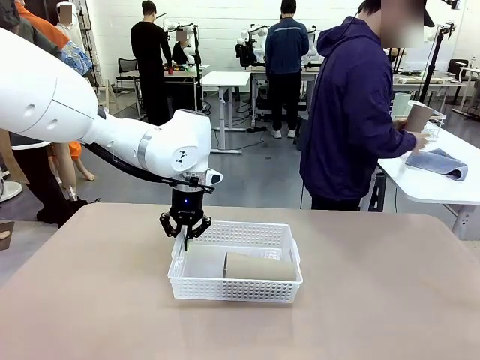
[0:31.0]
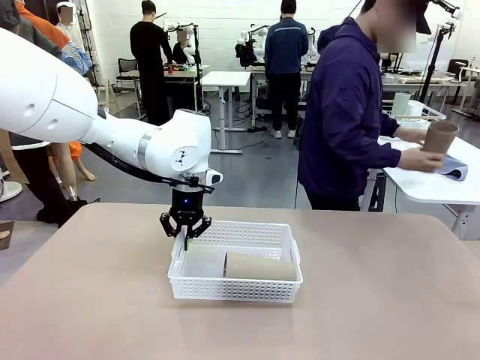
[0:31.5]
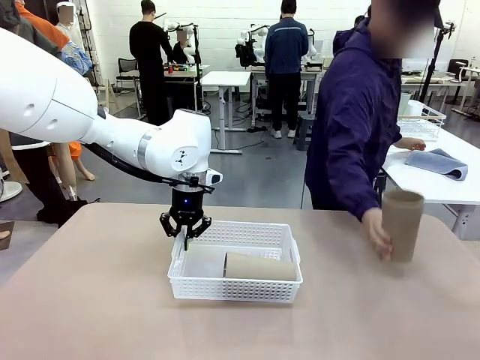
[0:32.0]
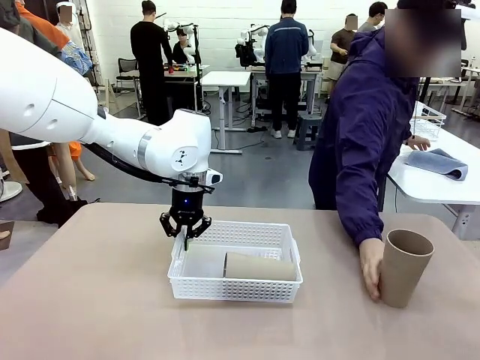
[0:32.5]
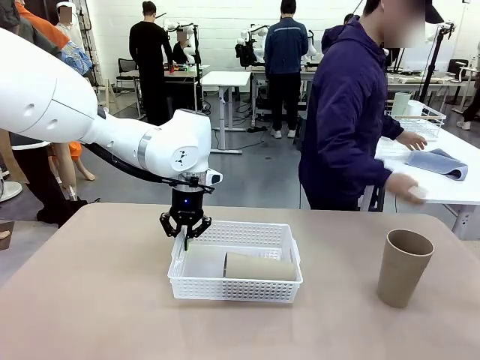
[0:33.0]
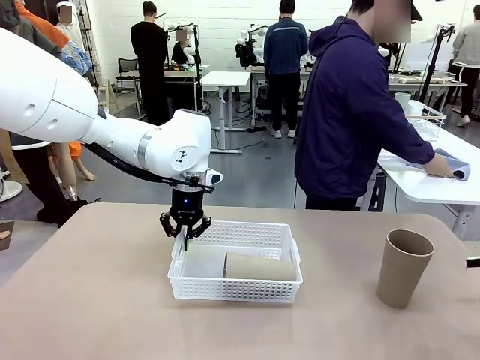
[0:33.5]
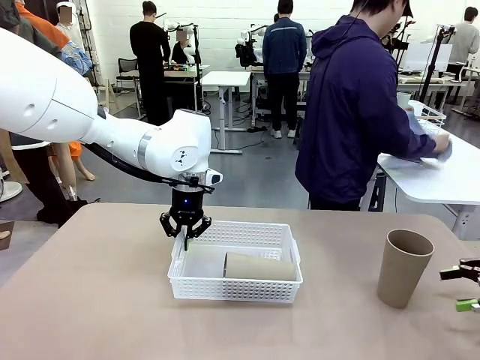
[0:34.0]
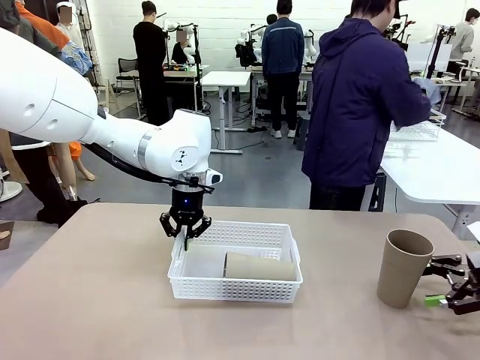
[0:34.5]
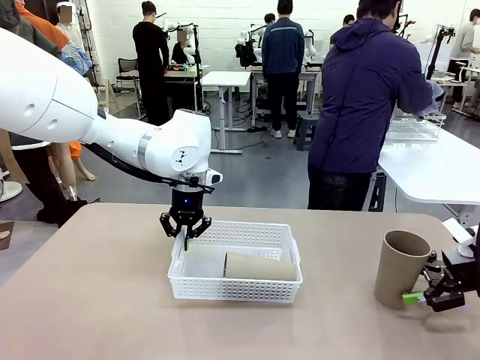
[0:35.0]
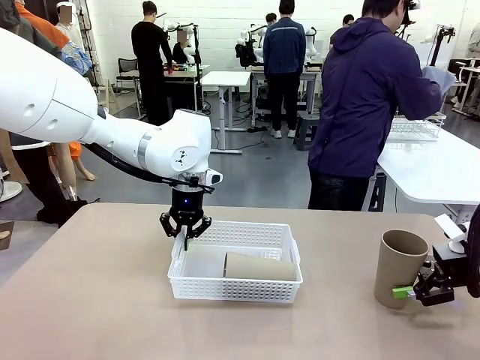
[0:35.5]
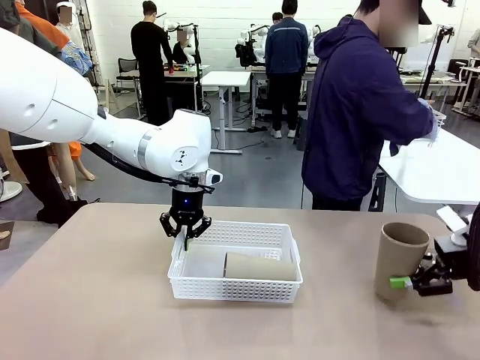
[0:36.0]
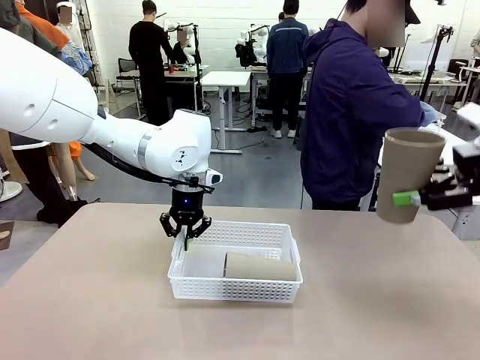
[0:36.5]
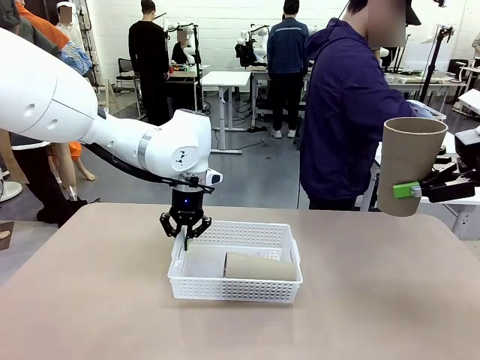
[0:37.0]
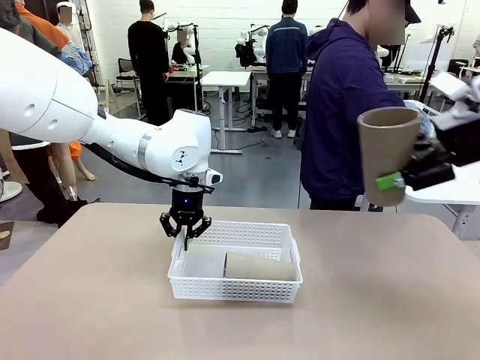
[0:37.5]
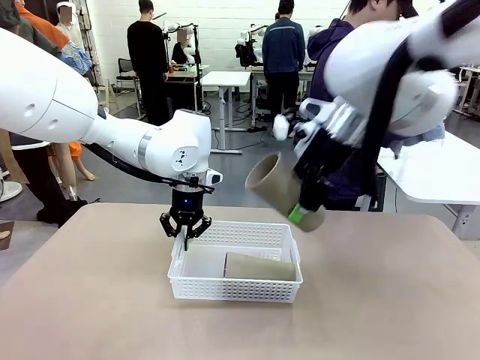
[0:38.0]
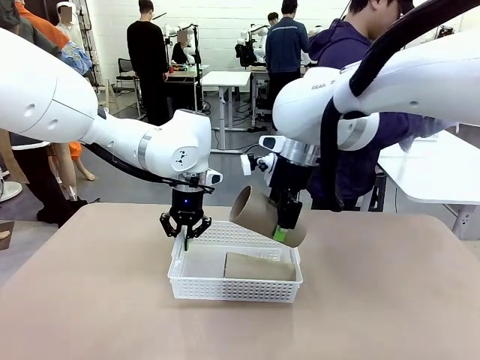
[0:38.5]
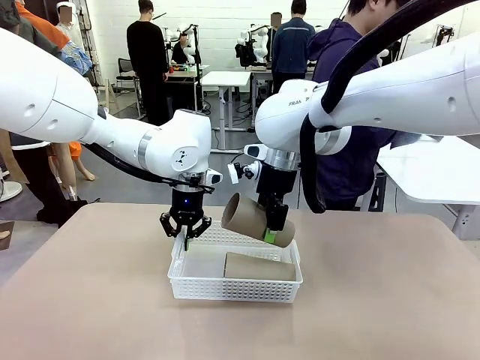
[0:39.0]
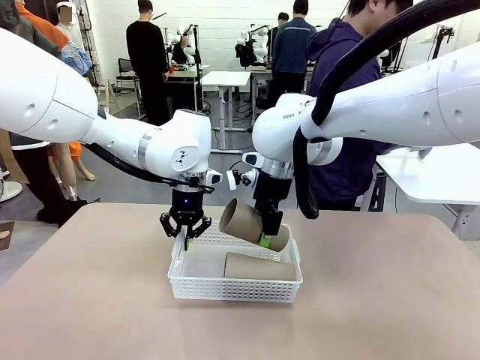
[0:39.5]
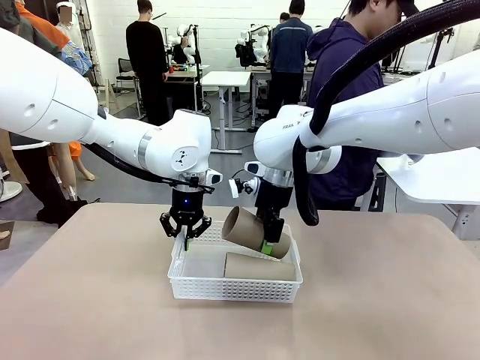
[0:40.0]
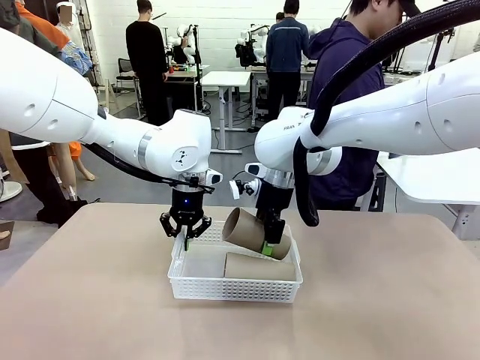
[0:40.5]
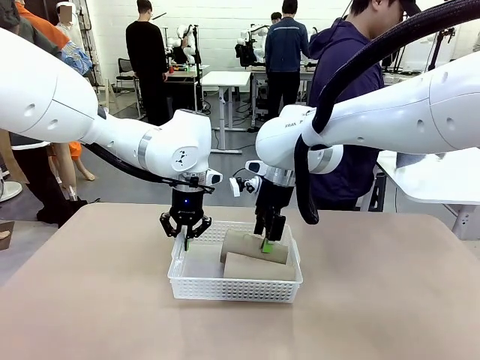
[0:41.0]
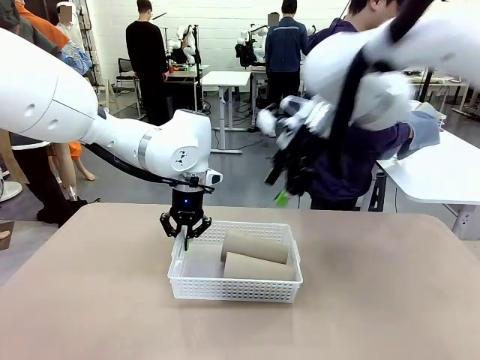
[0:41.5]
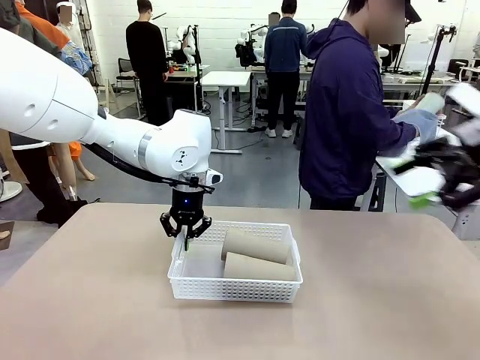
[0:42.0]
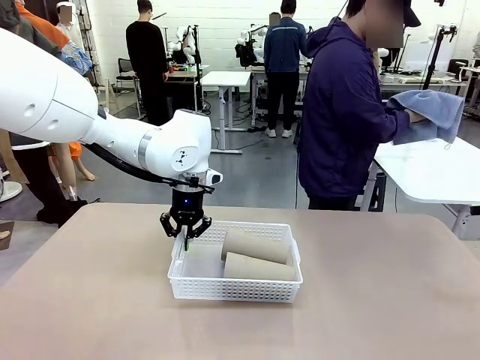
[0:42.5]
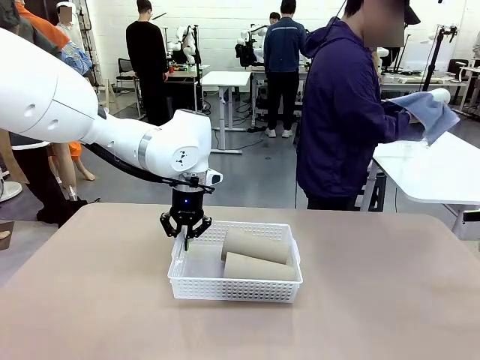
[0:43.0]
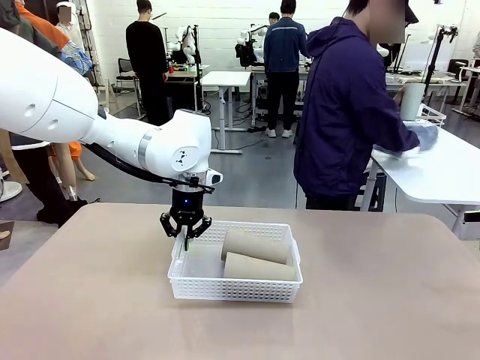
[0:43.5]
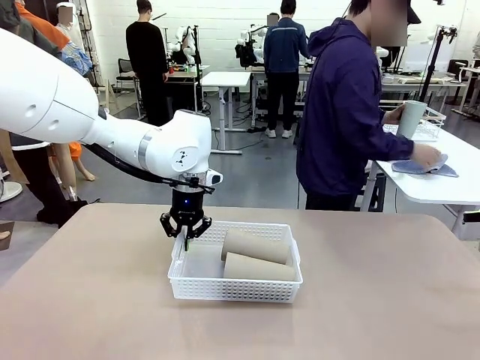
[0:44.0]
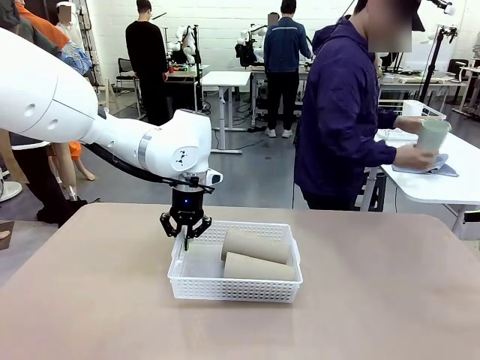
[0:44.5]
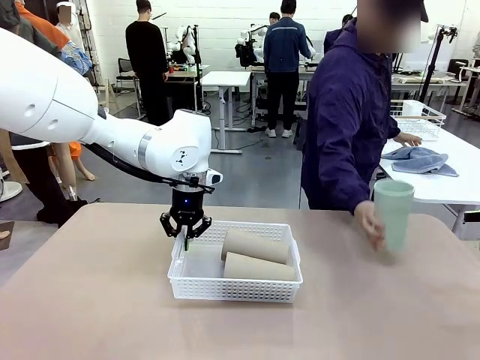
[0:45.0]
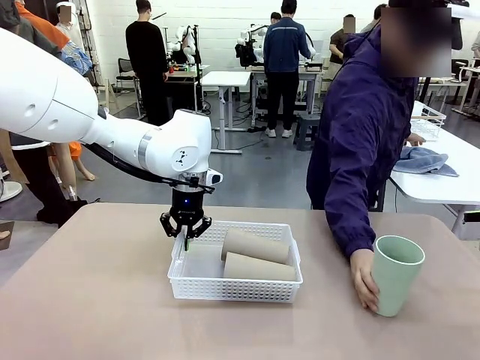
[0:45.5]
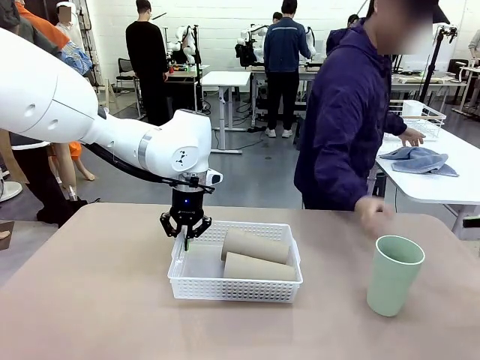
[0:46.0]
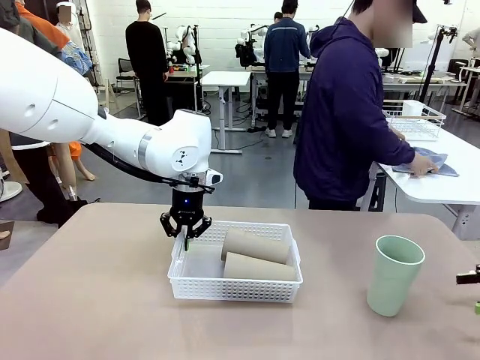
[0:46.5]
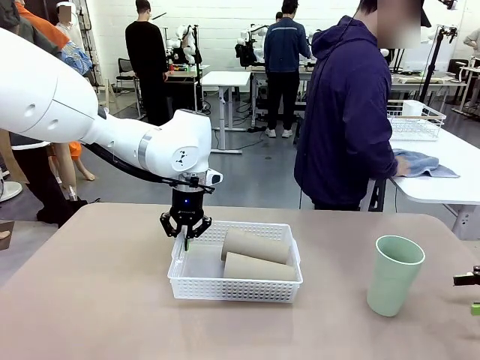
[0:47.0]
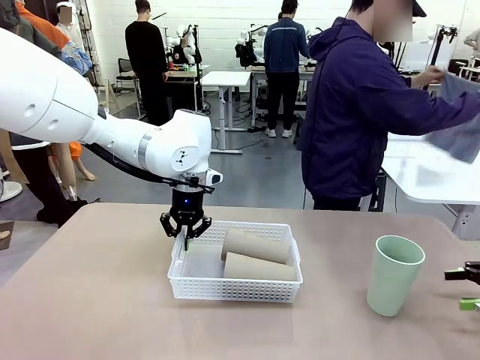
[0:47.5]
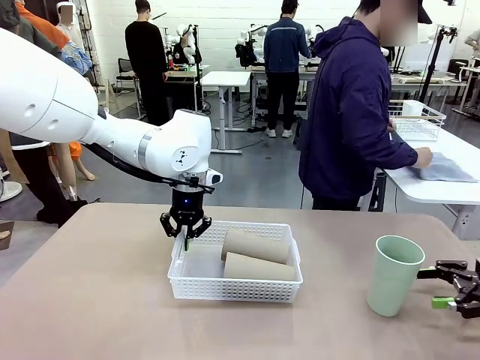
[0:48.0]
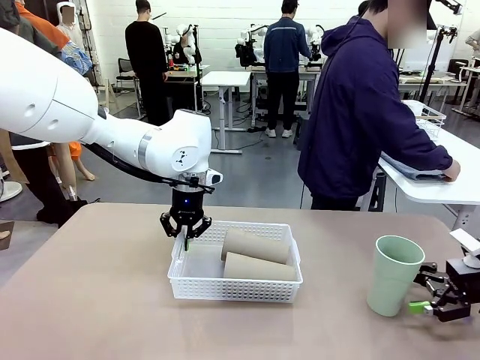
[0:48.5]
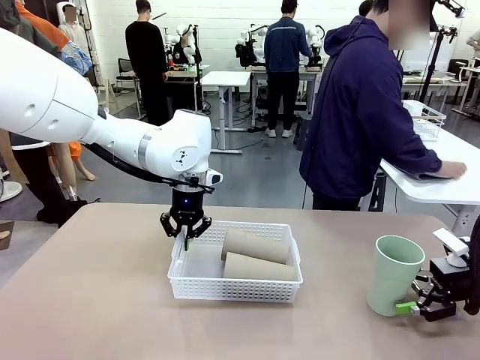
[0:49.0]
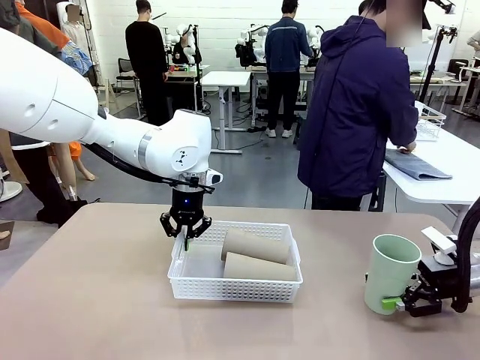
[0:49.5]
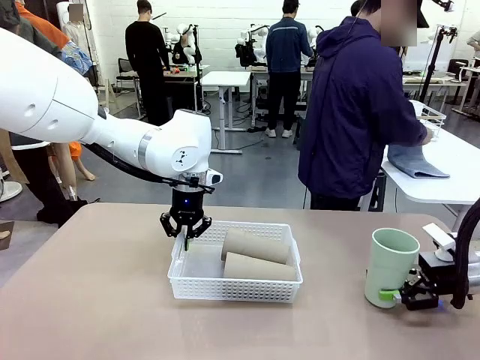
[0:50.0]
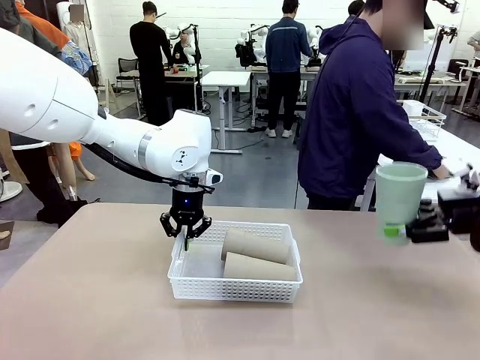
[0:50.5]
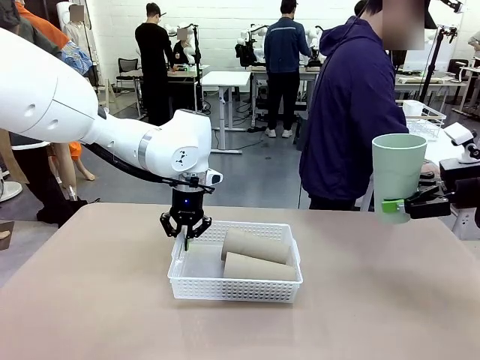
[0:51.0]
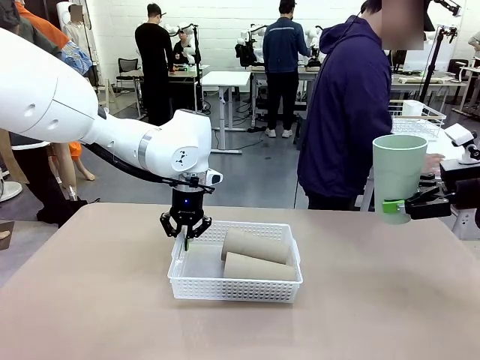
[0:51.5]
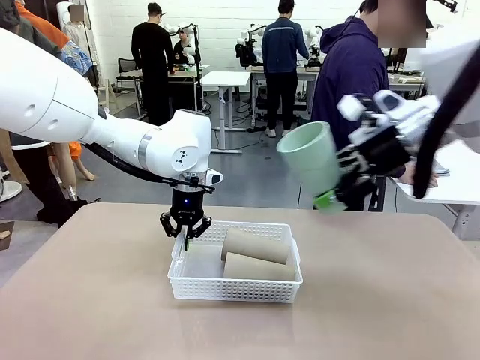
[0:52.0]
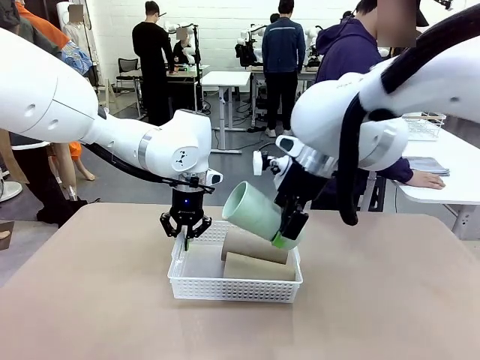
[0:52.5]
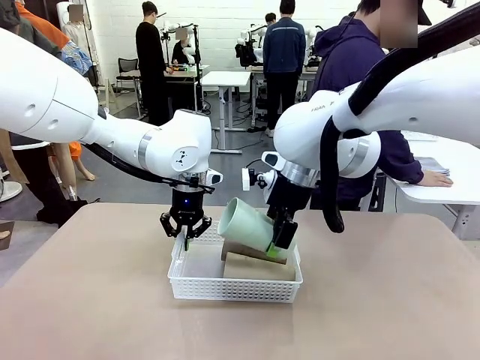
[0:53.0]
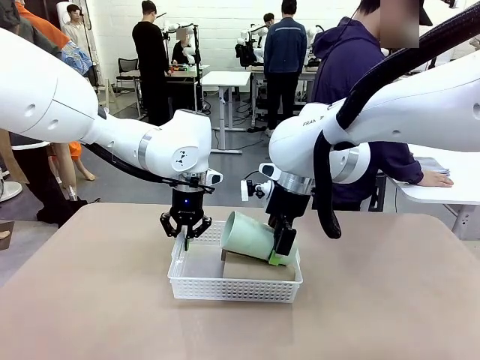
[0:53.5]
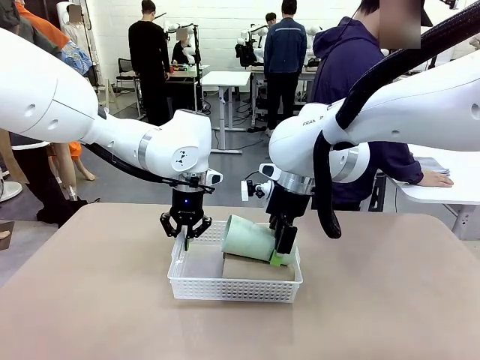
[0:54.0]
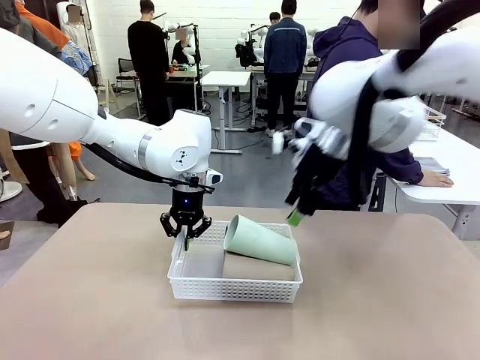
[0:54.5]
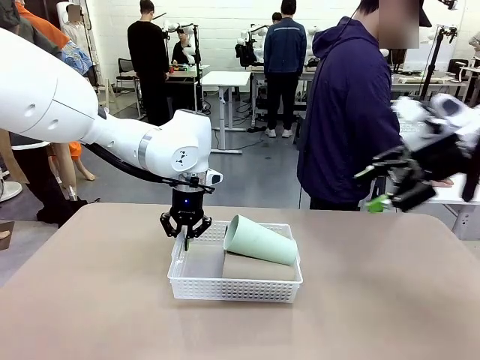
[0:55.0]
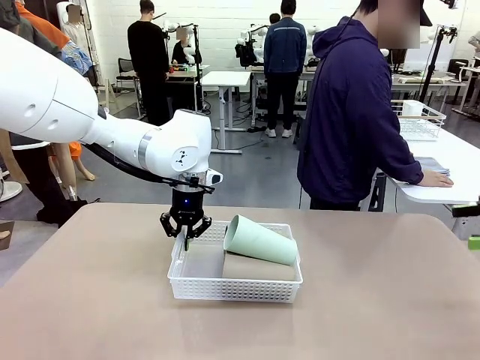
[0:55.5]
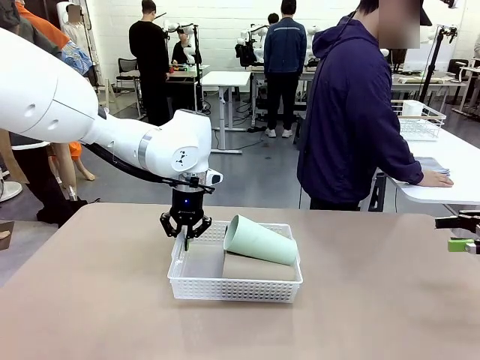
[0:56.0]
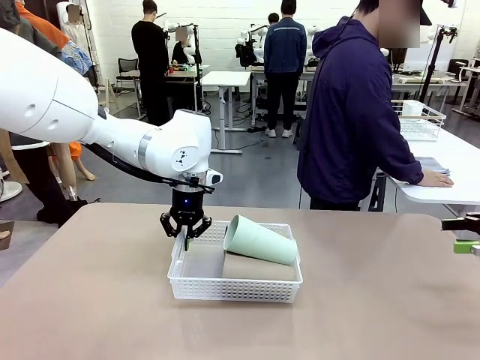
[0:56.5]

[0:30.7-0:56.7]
Task: Clean and organize the cups into the basket.
Robot: Pick up the Reusable plastic cup from the right side of the table and stack it inside the Organizing basket in the center of the table.
